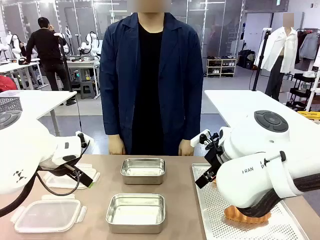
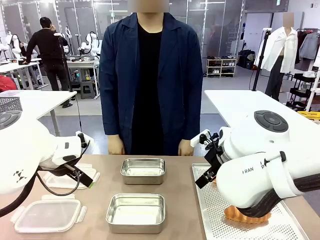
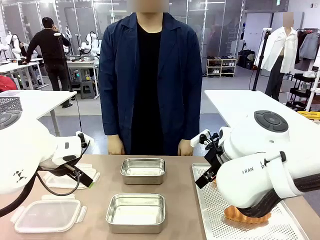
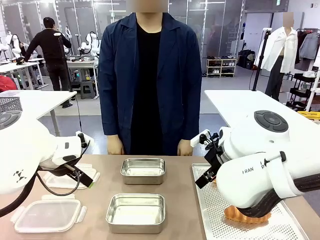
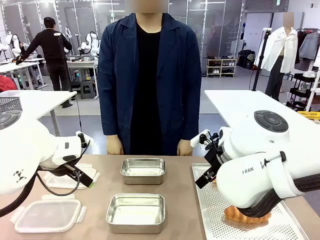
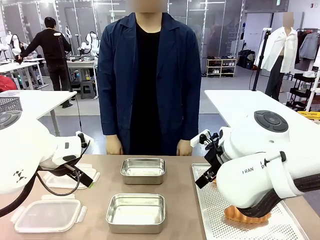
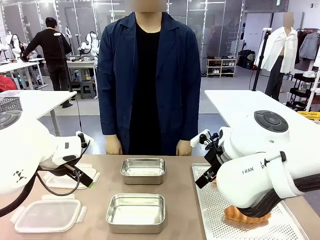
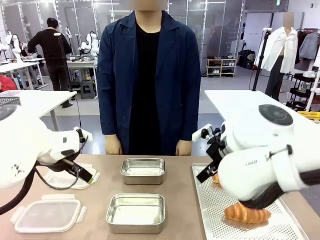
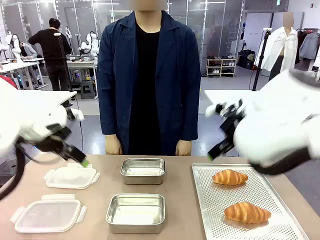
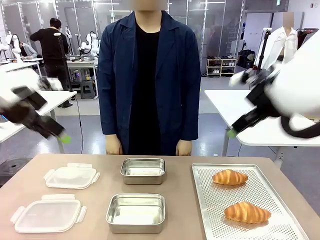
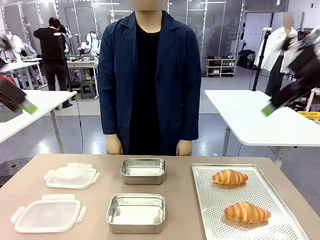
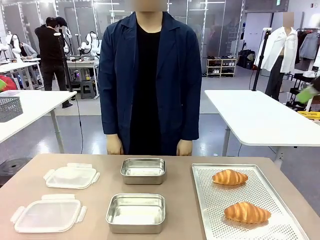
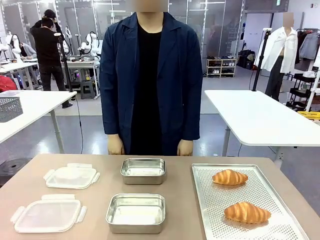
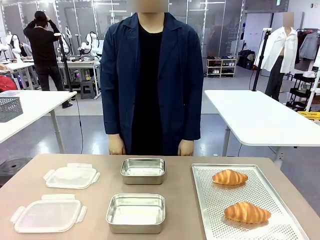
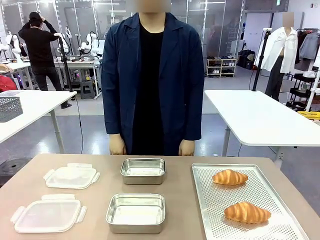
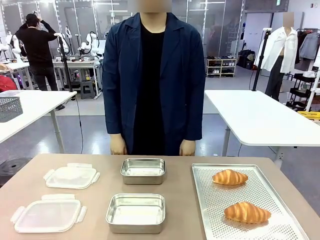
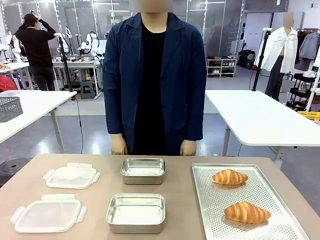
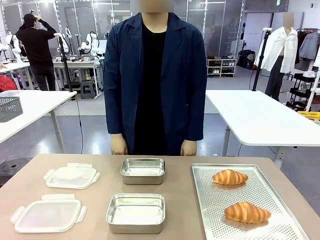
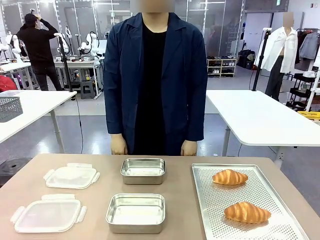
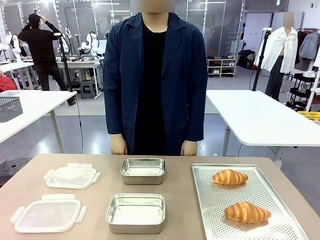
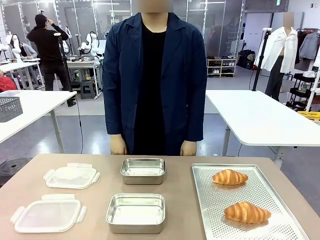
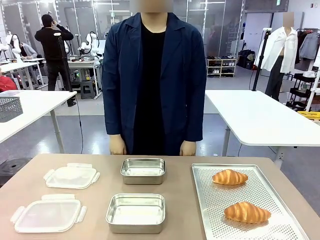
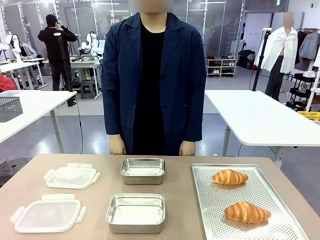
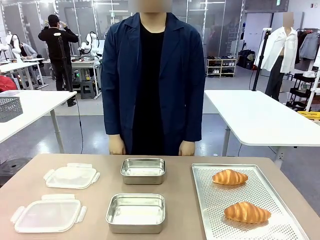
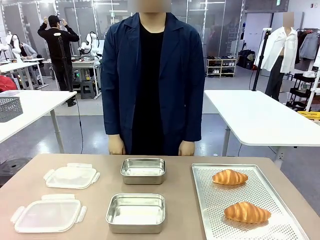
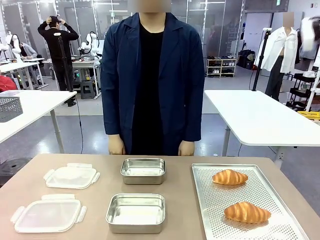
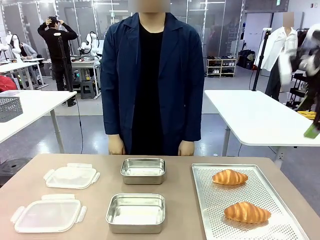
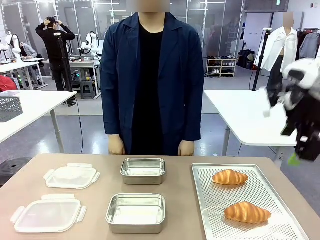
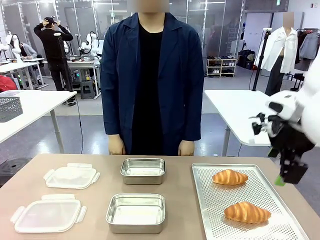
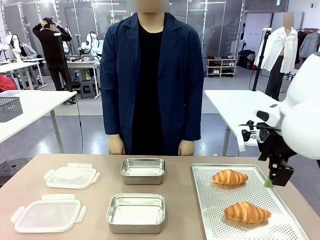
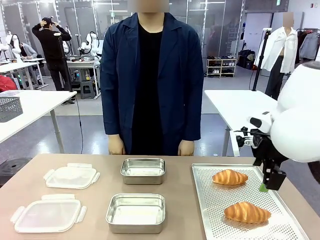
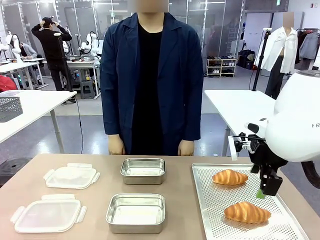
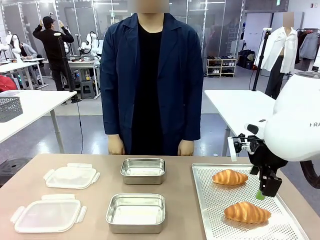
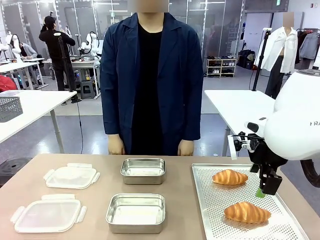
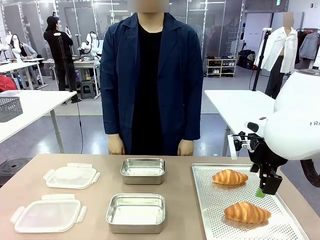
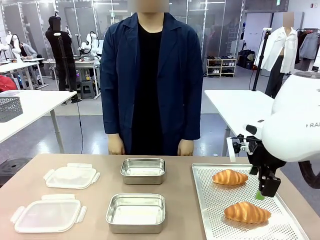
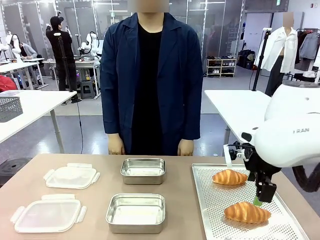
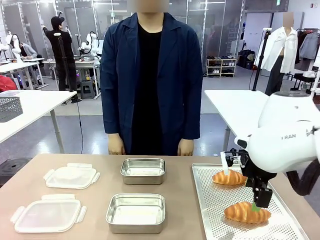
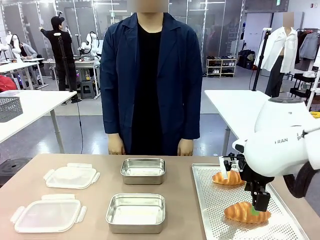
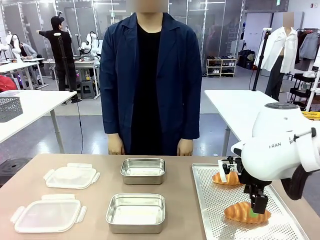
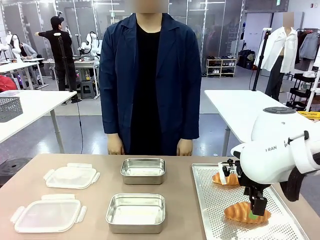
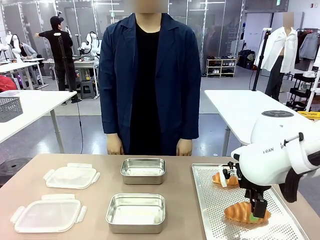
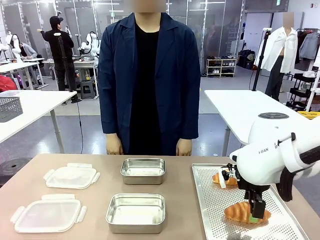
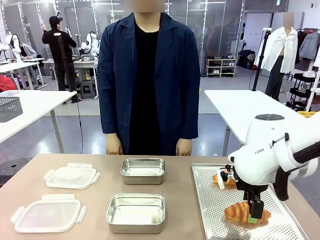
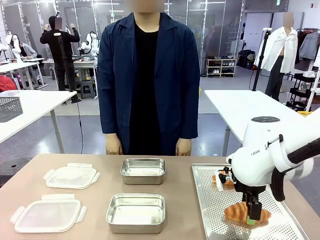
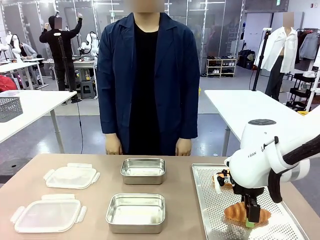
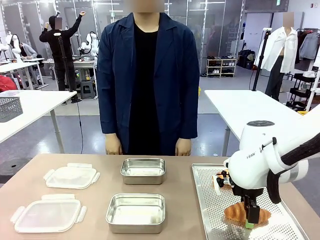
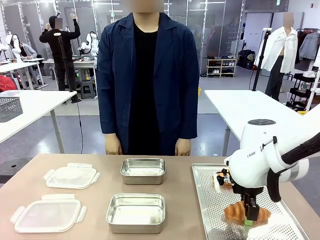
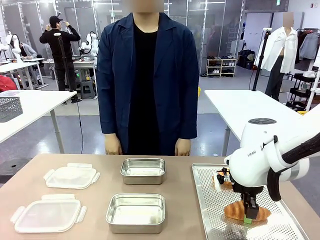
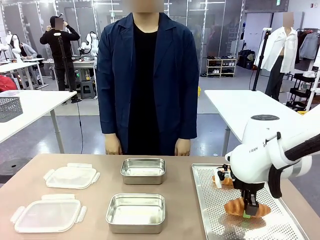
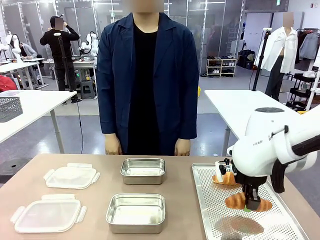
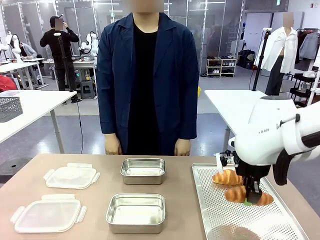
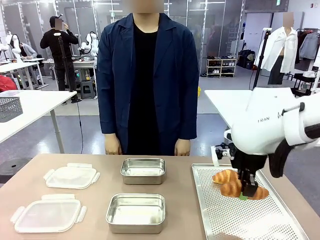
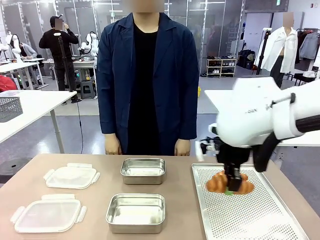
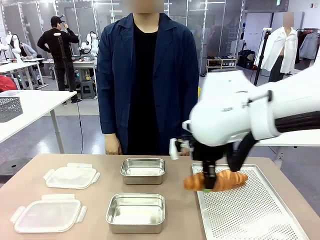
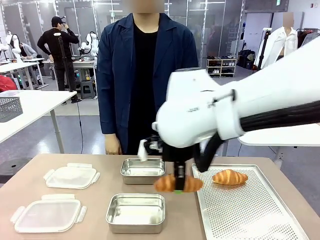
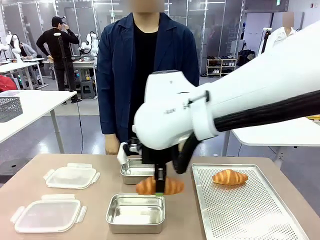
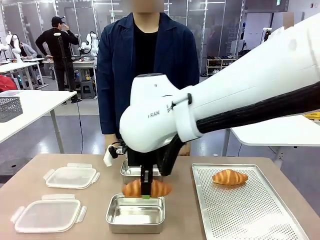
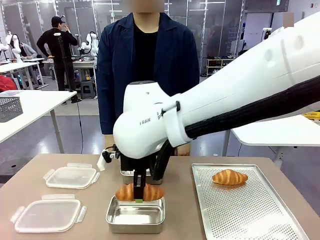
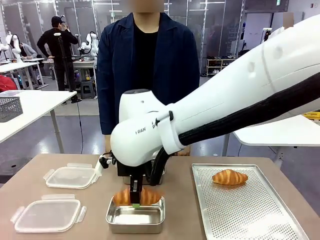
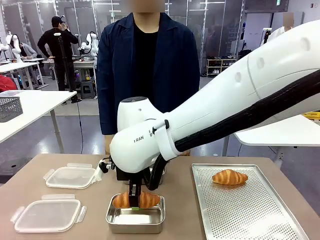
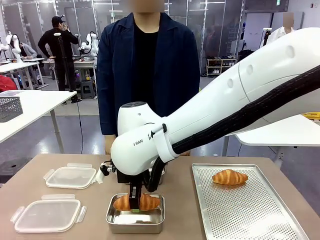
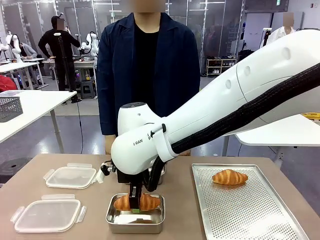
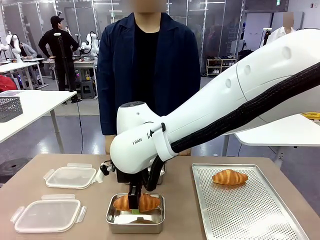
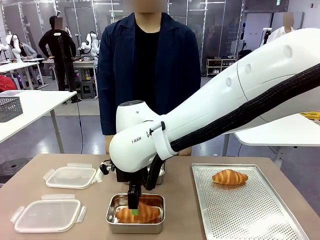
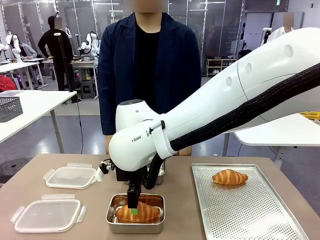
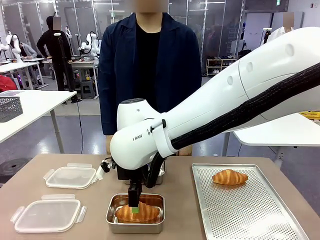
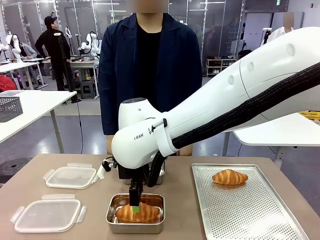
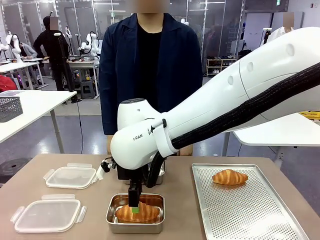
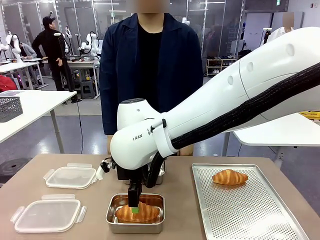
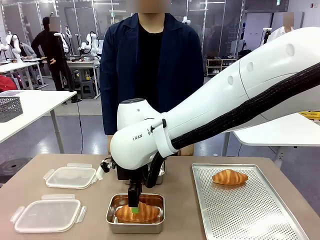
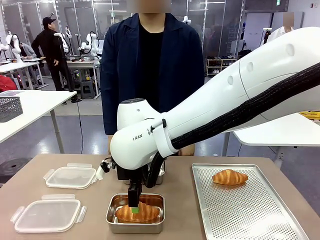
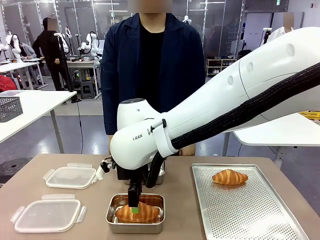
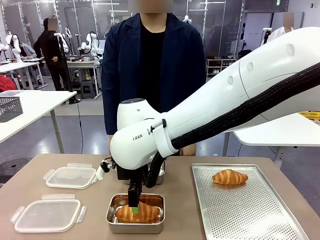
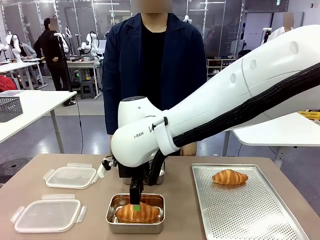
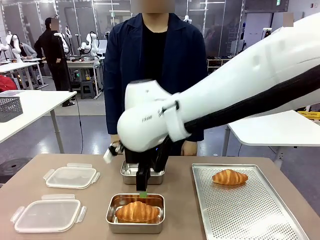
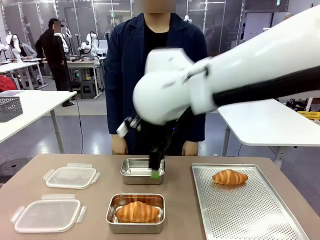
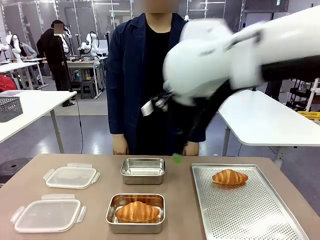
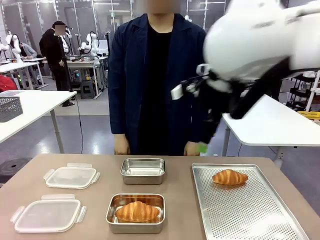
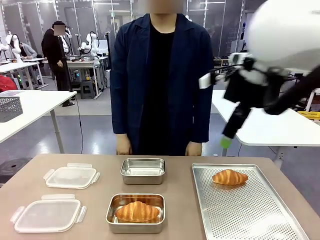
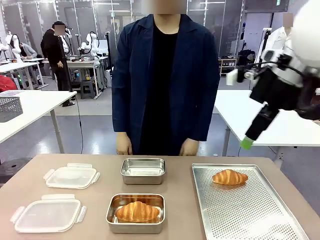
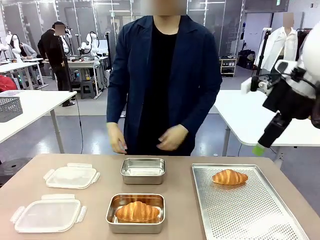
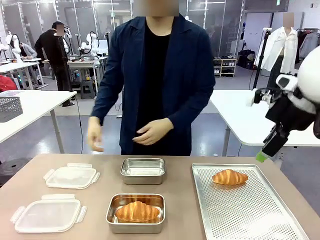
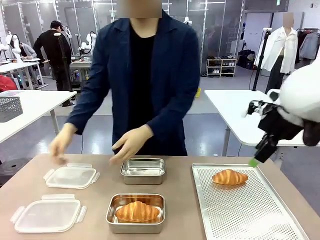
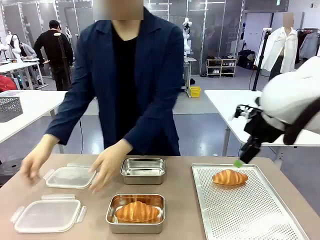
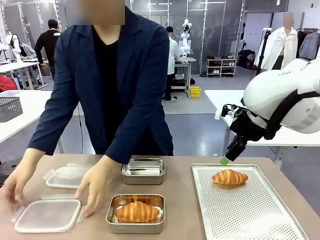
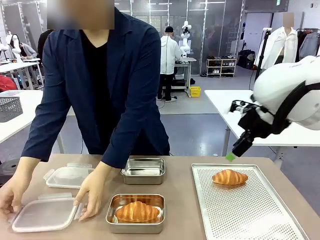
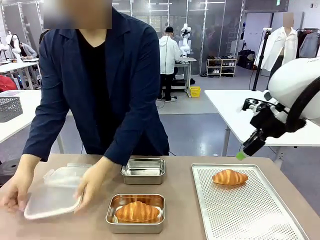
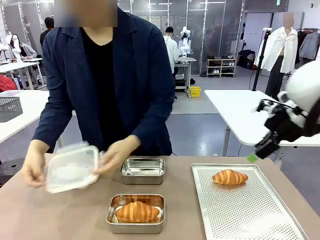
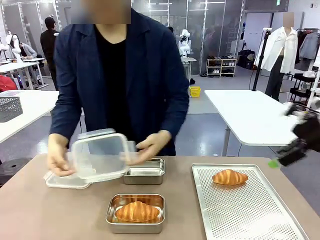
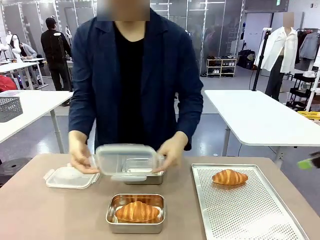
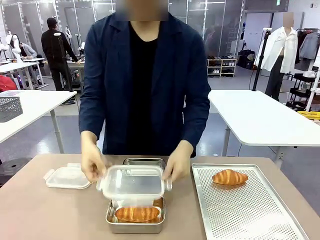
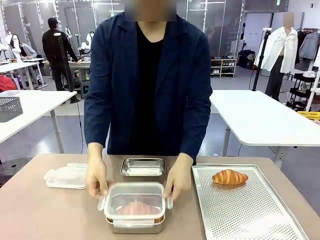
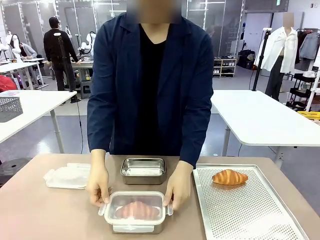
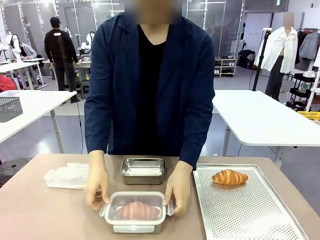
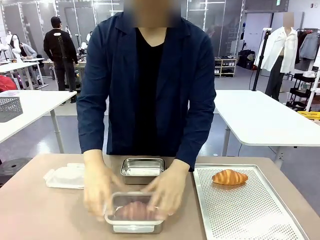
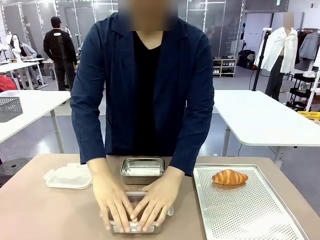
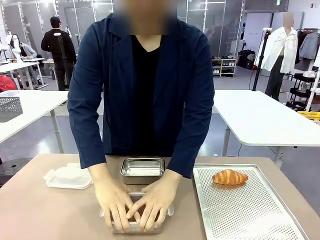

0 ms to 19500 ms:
Task: Place the bread into the airtight container.
Robot: Pick up a Butter Roll and place it into an empty Airtight Container.
